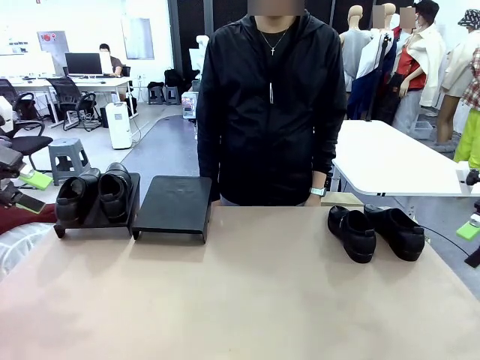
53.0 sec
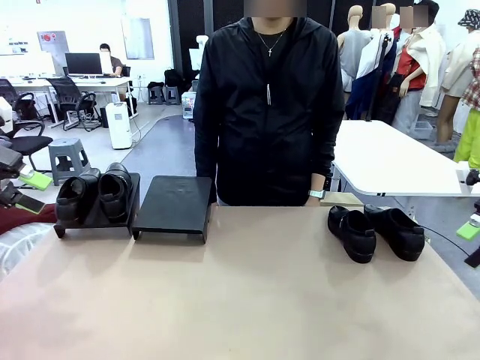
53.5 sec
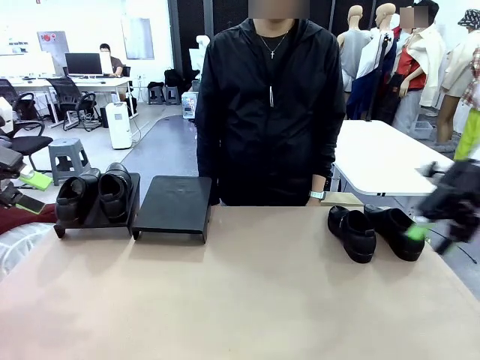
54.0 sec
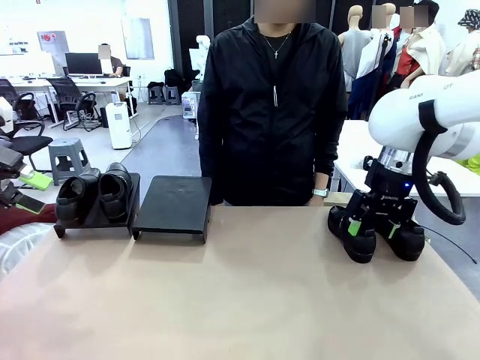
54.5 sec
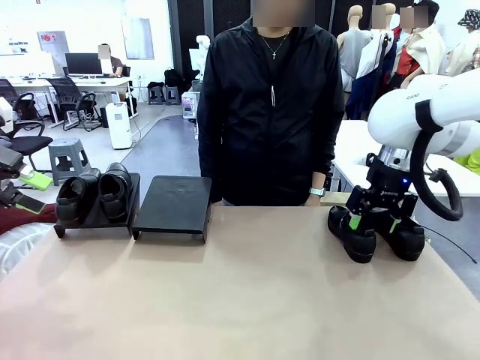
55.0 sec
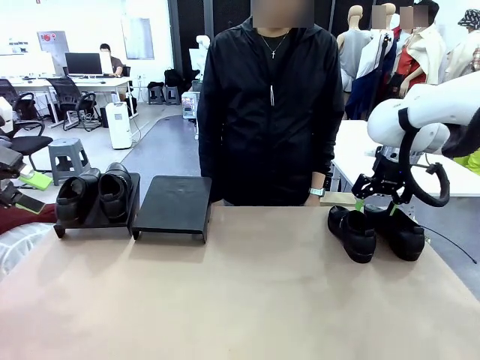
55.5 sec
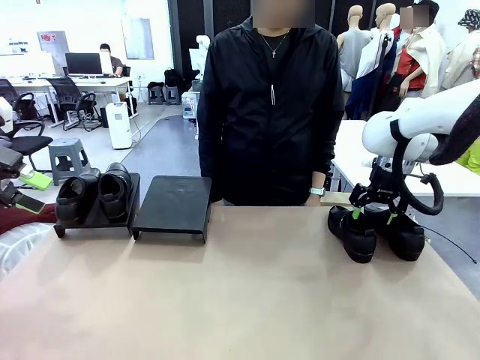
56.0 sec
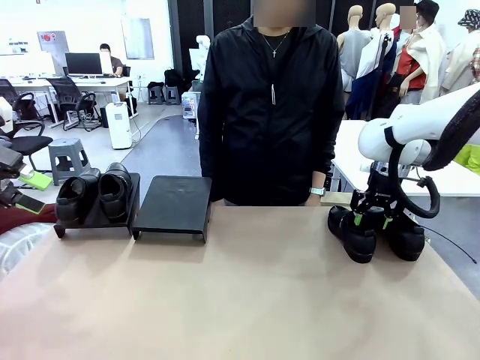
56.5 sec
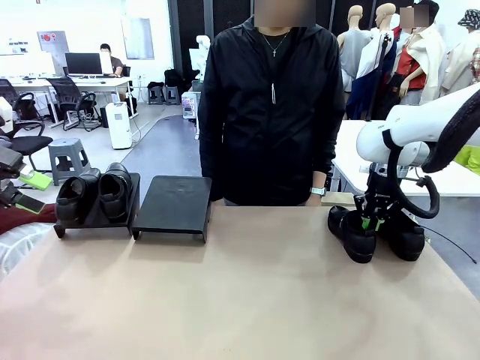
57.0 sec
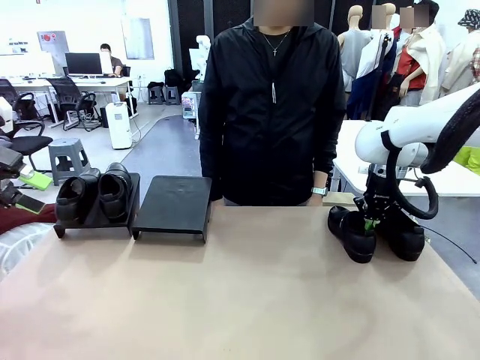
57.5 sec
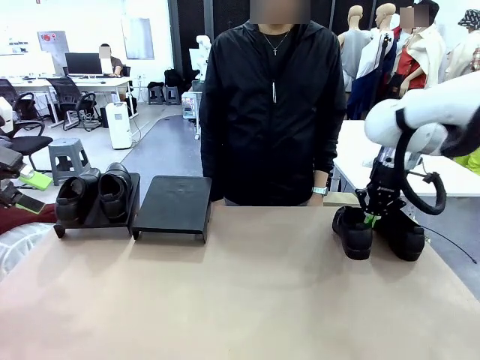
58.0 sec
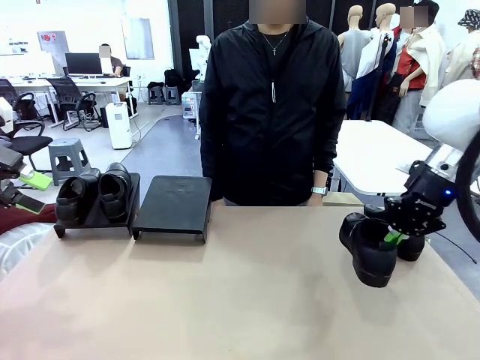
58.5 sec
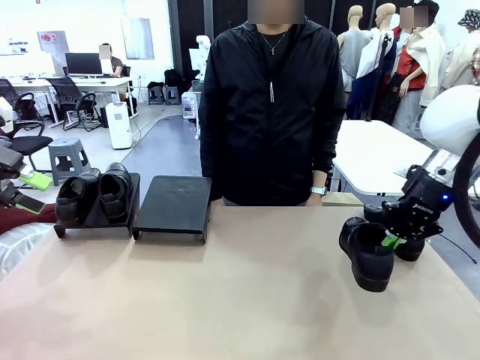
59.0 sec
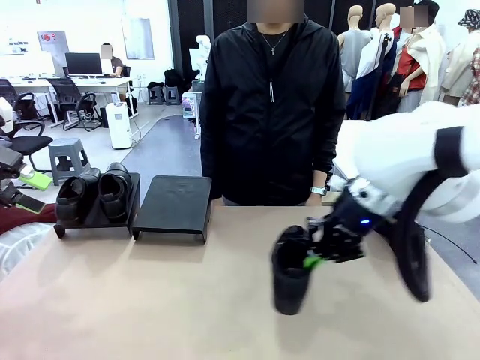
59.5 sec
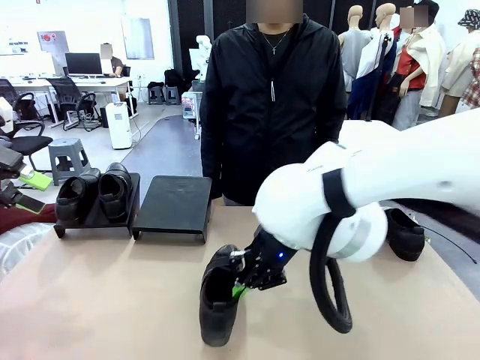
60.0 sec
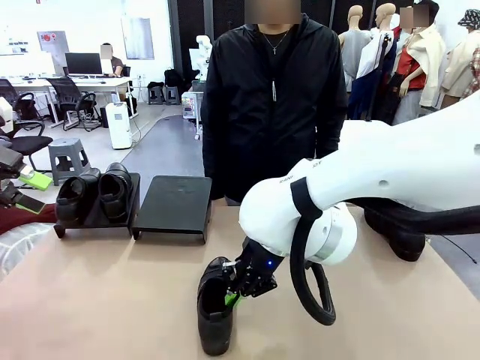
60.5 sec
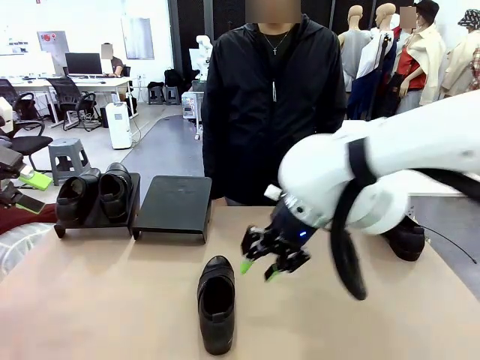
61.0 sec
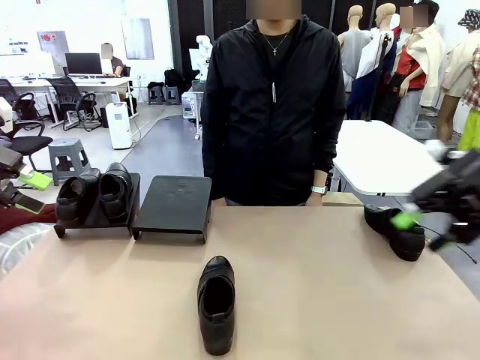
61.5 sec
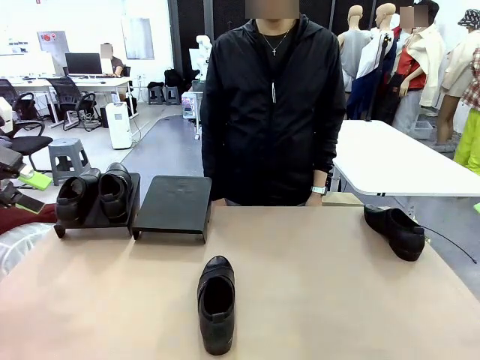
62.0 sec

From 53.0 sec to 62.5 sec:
Task: Organize the shoes by placing them on the stand.
Robot: Pick up one Shoe and place it in the middle of the table.

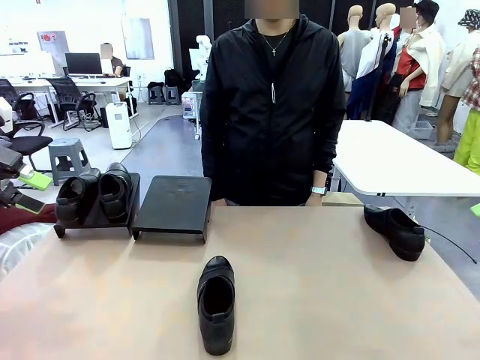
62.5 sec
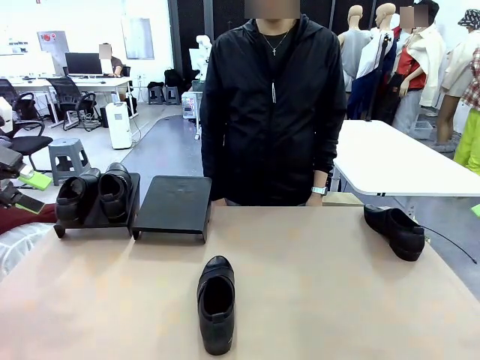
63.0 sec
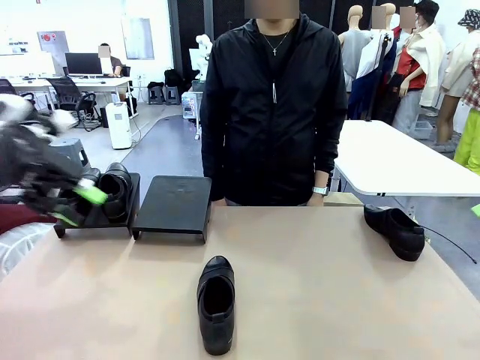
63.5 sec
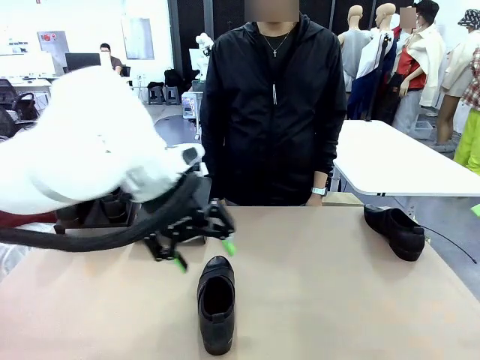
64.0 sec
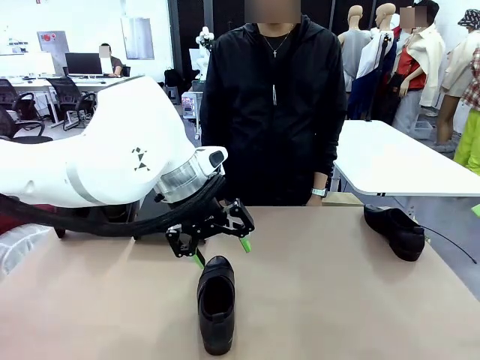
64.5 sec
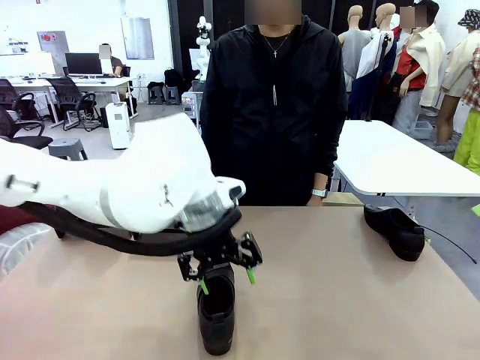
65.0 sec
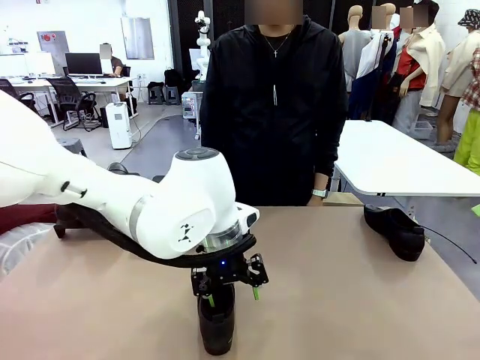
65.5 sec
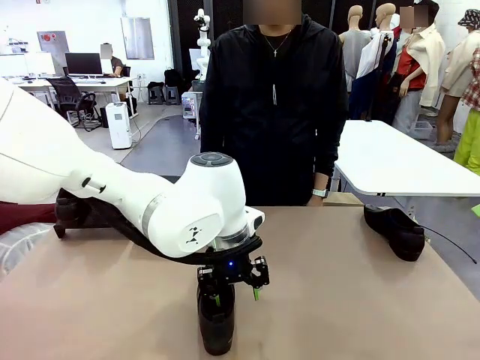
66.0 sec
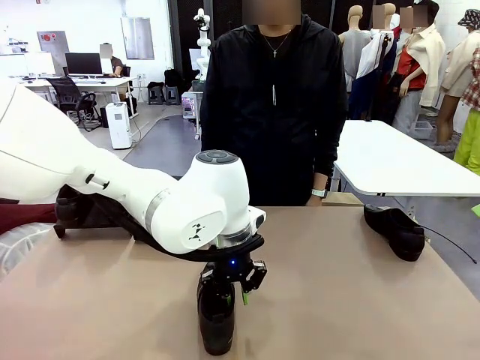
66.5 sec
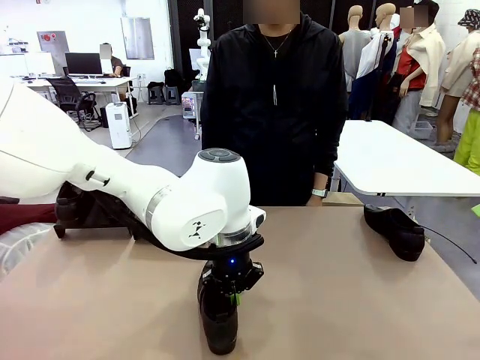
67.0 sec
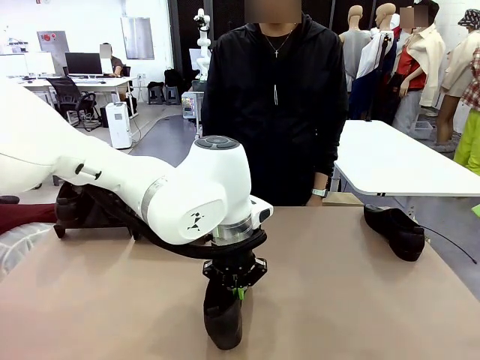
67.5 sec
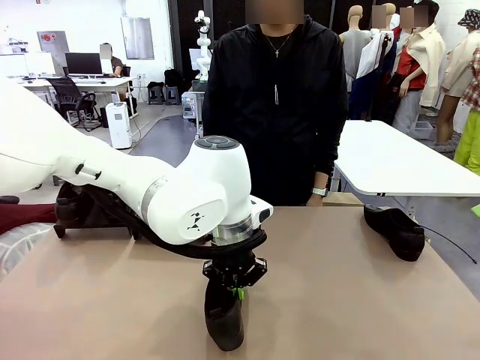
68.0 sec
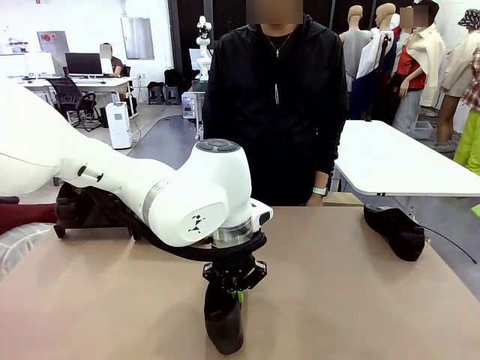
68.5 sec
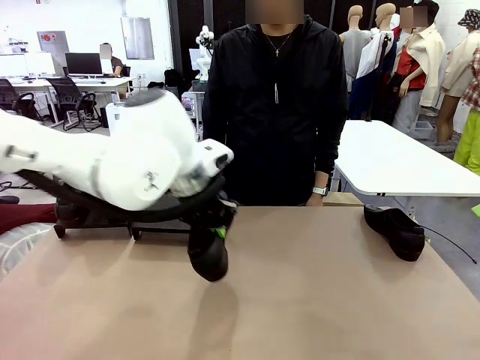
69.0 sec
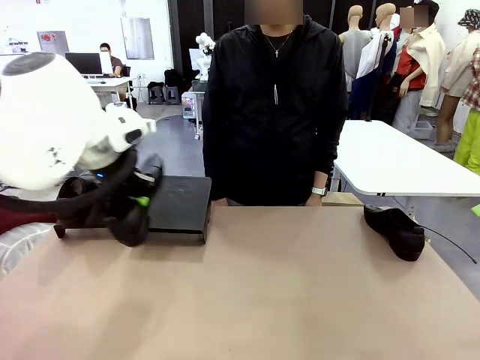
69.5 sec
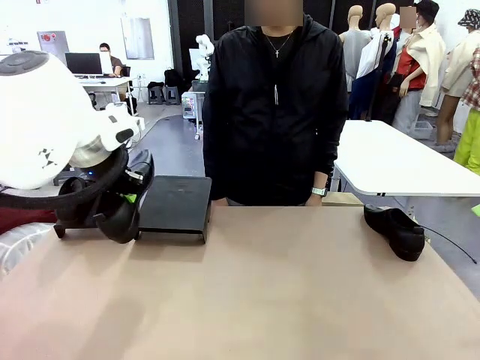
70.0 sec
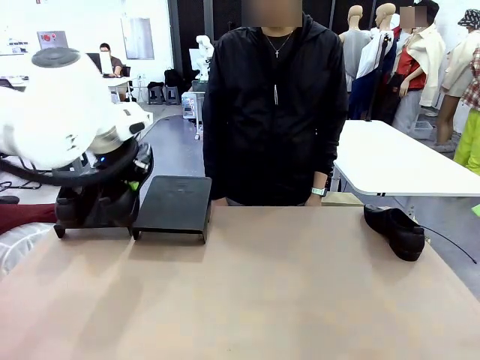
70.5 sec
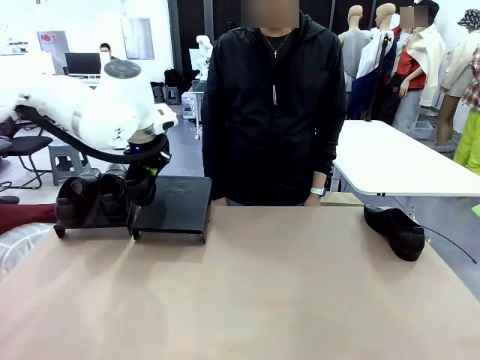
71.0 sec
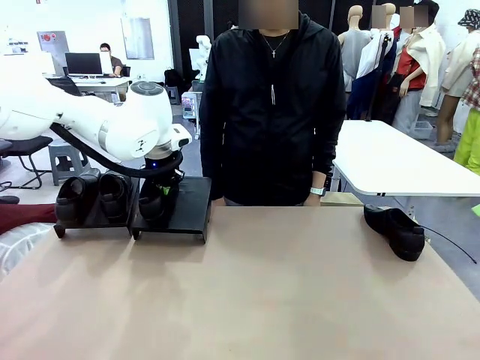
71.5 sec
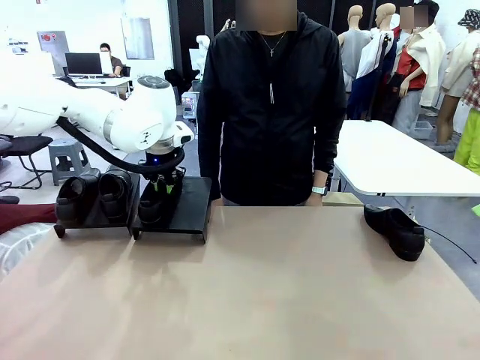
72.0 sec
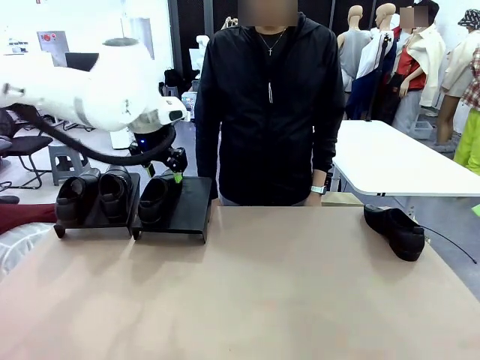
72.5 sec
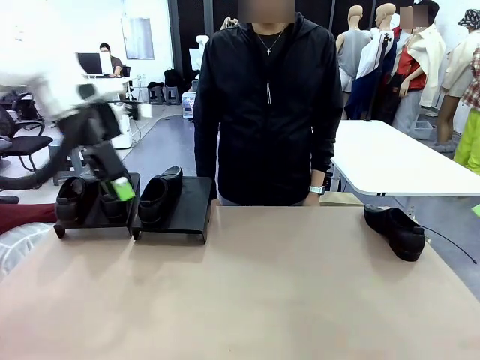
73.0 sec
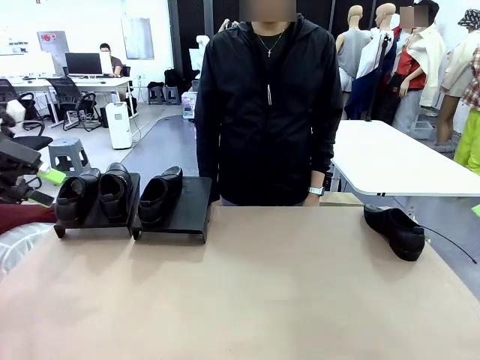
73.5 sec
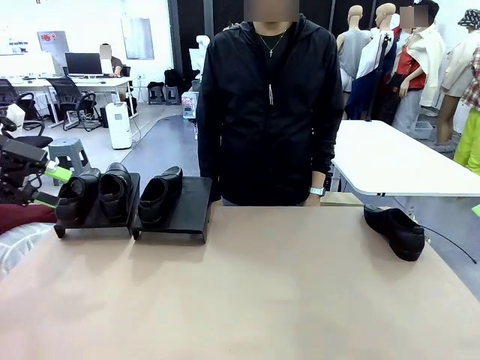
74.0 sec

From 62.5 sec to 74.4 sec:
Robot: Place the Shoe from the middle of the table onto the Shoes Stand.

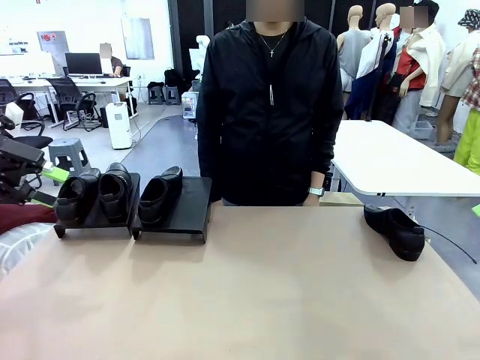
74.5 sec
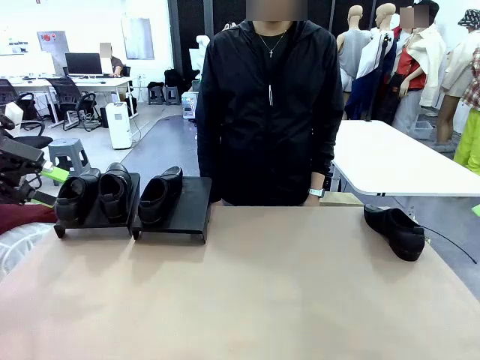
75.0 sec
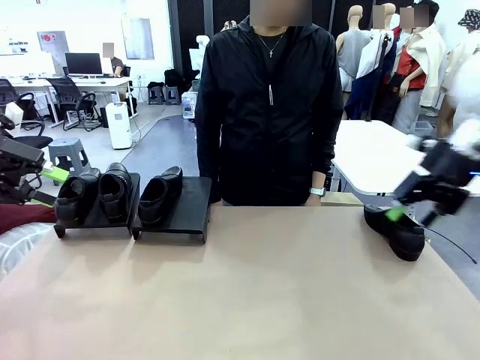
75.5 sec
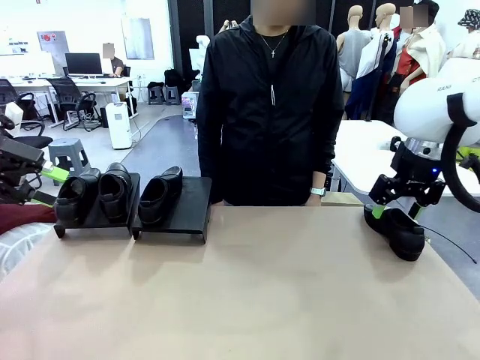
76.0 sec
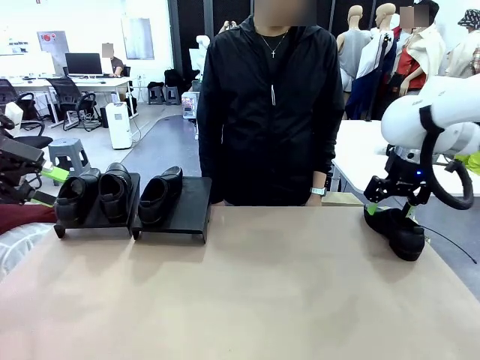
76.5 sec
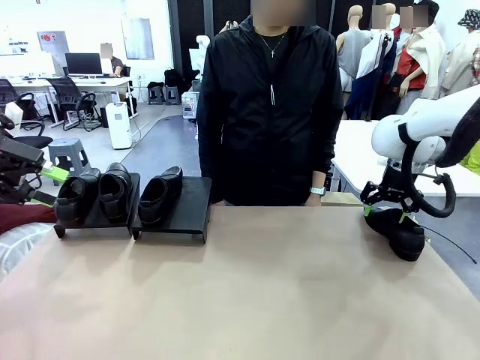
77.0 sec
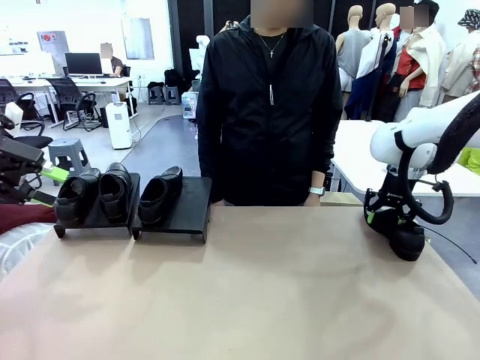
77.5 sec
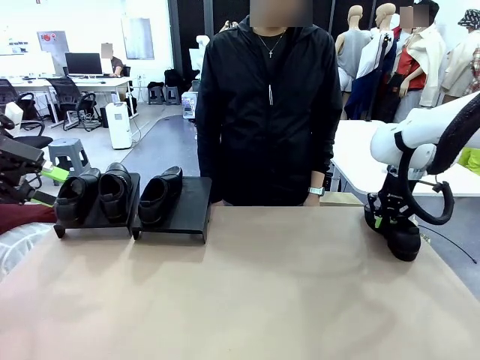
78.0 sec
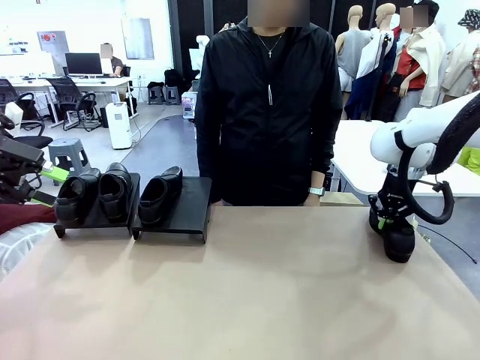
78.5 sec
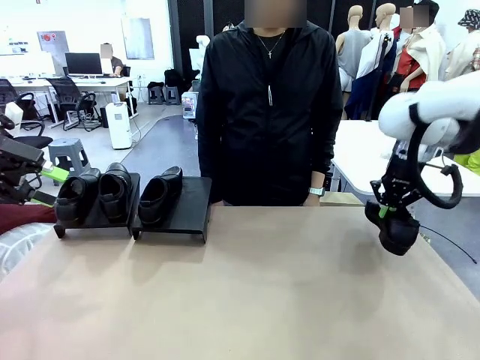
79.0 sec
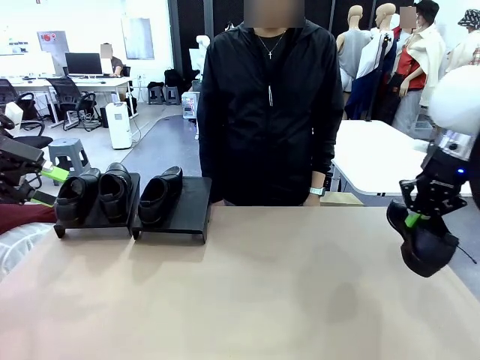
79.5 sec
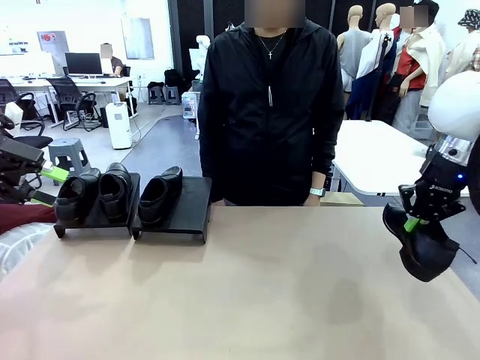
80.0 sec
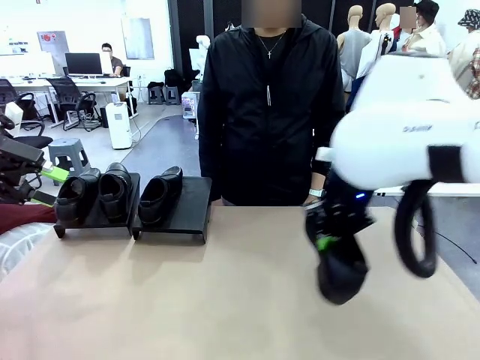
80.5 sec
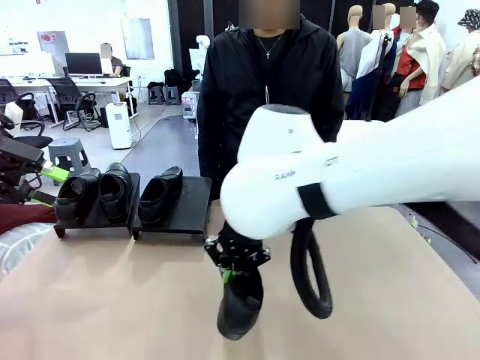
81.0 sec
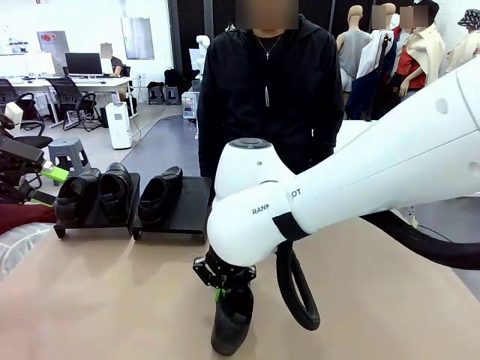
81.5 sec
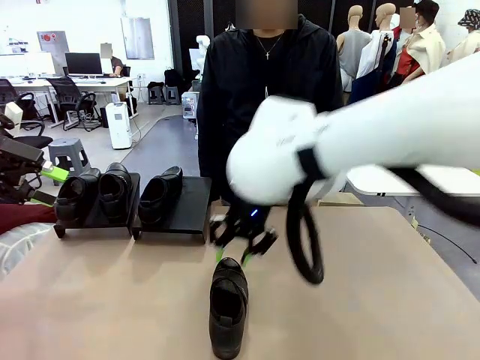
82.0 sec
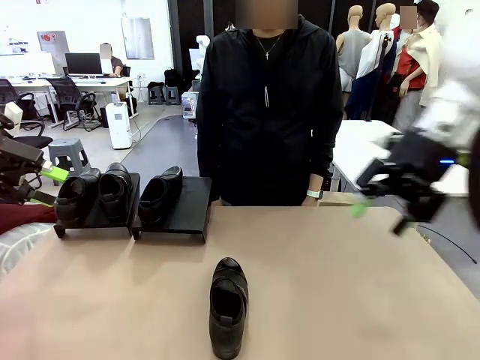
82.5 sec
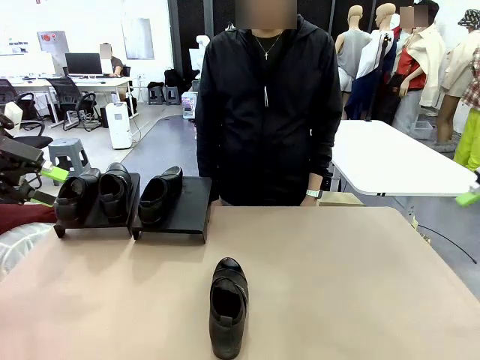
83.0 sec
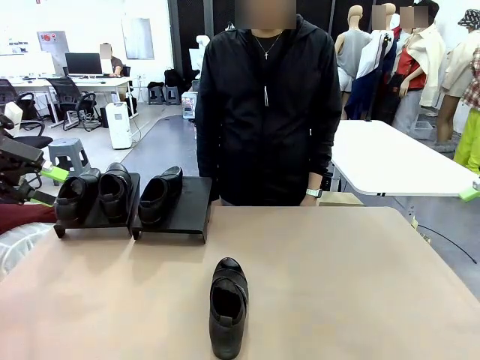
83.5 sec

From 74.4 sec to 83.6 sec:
Robot: Pick up one Shoe and place it in the middle of the table.
